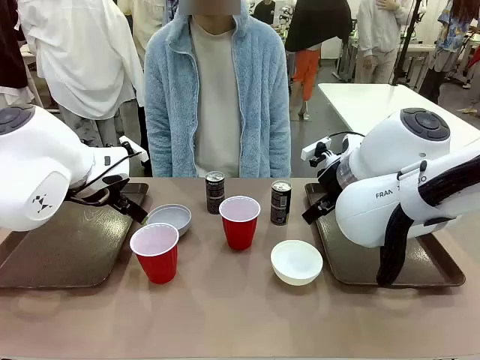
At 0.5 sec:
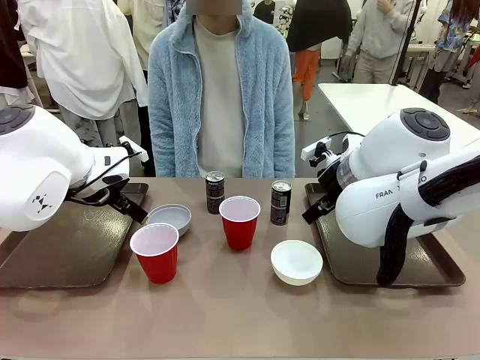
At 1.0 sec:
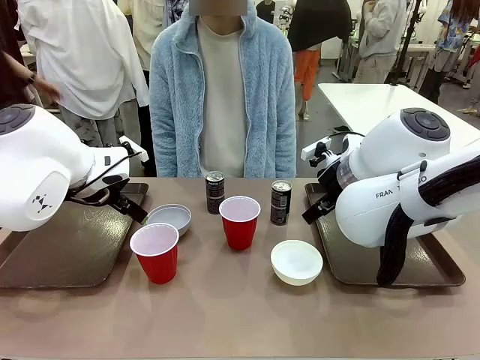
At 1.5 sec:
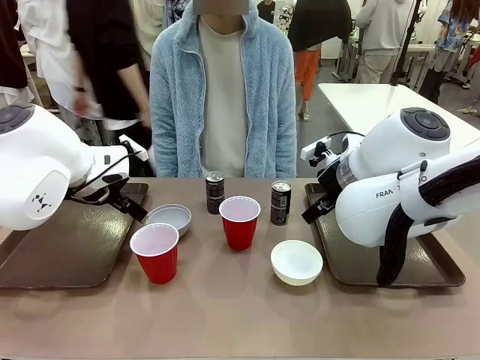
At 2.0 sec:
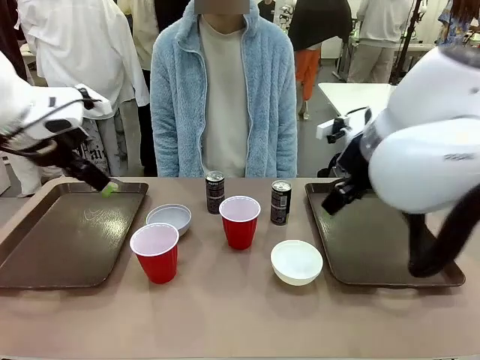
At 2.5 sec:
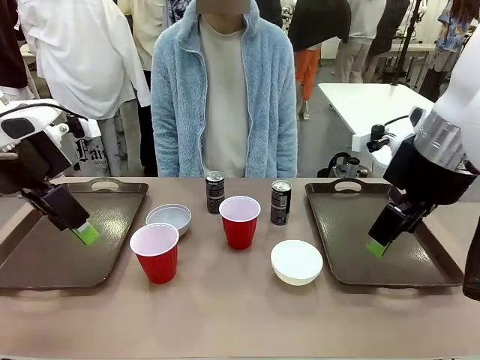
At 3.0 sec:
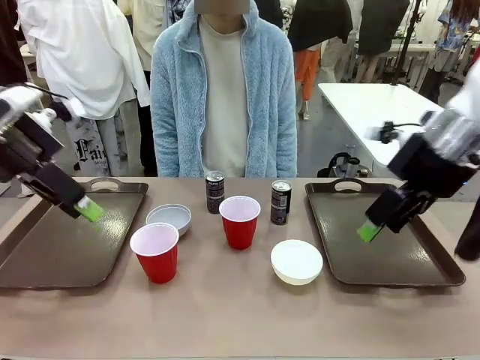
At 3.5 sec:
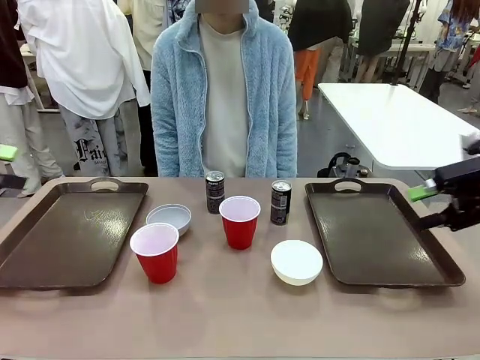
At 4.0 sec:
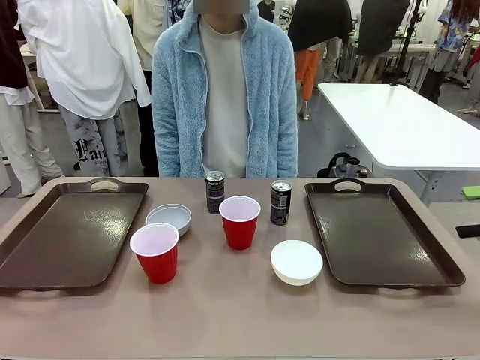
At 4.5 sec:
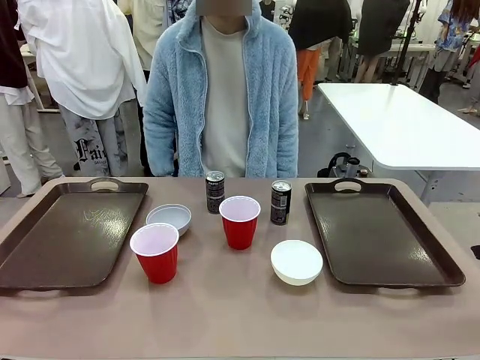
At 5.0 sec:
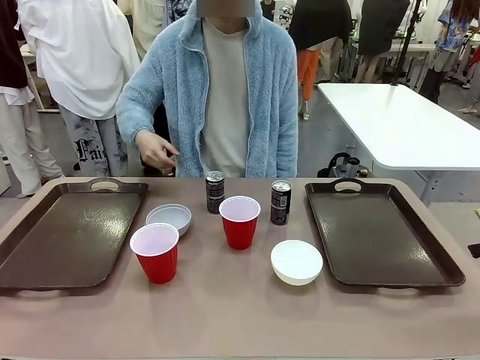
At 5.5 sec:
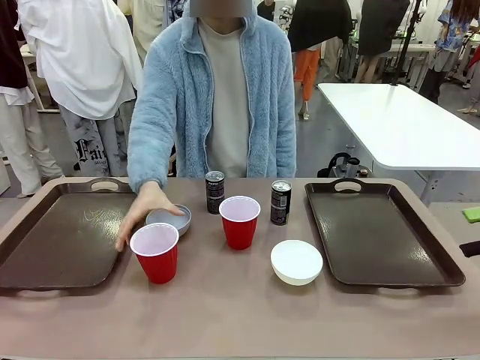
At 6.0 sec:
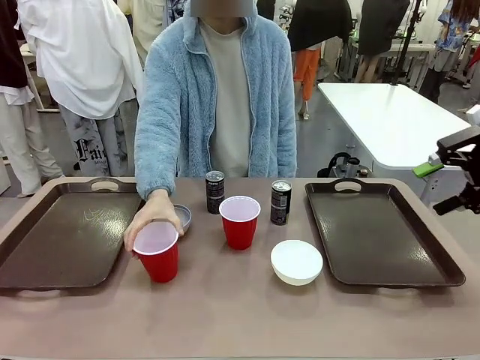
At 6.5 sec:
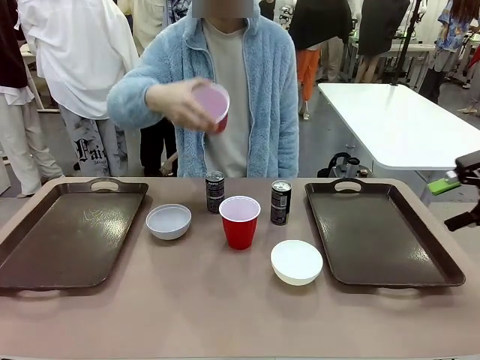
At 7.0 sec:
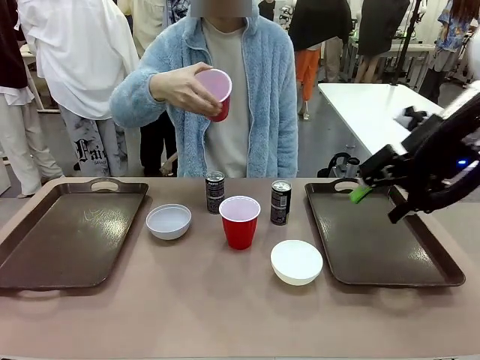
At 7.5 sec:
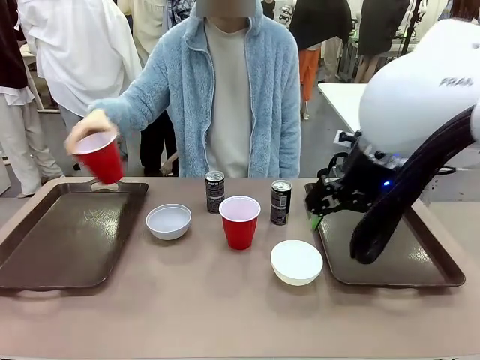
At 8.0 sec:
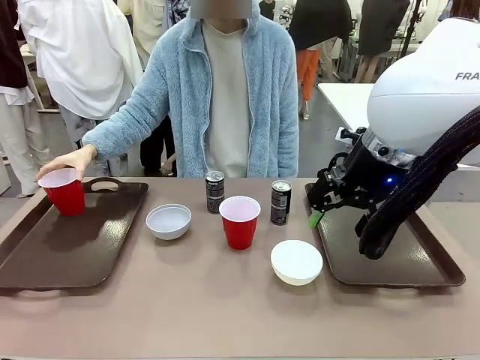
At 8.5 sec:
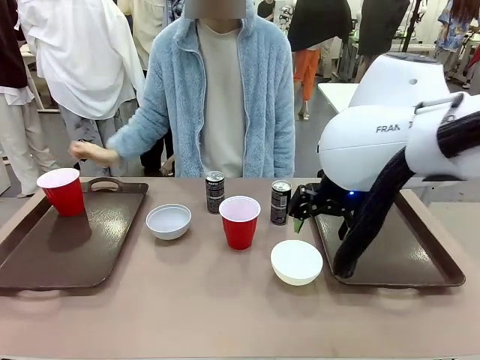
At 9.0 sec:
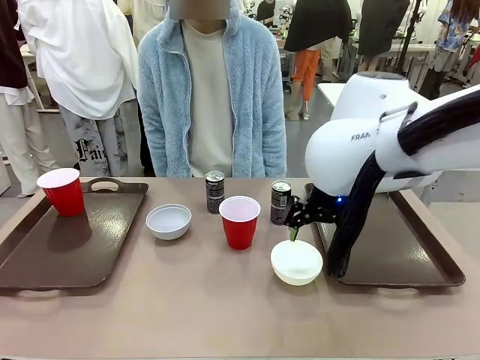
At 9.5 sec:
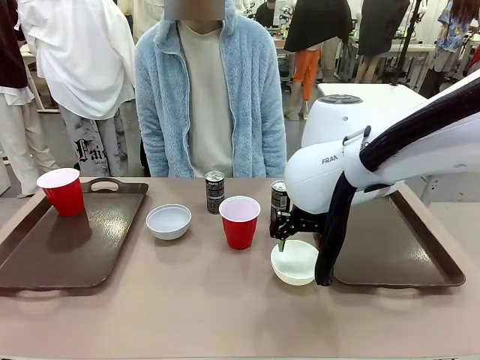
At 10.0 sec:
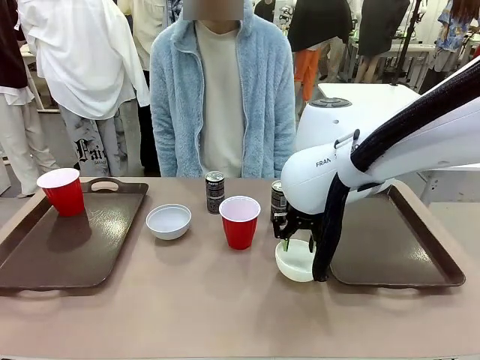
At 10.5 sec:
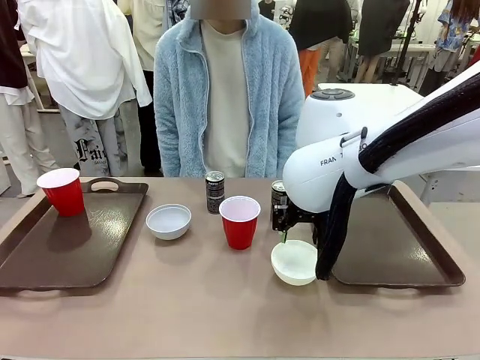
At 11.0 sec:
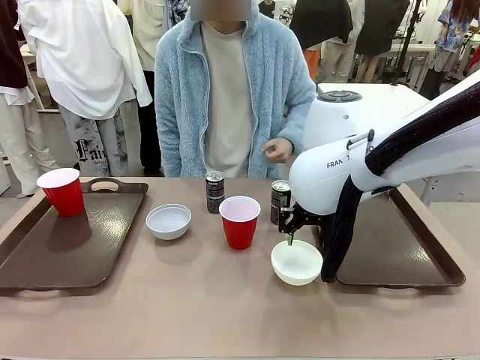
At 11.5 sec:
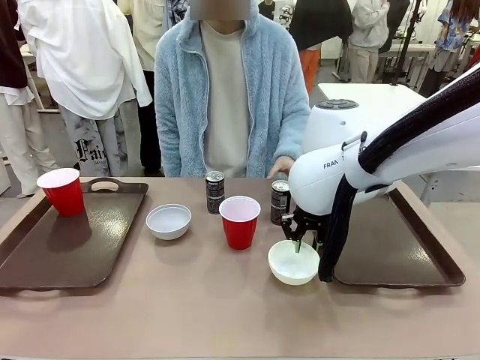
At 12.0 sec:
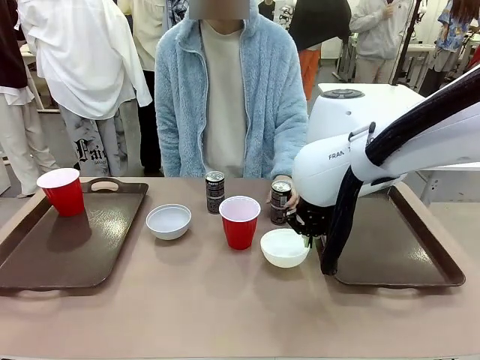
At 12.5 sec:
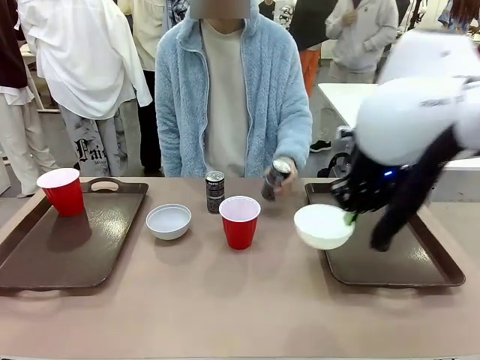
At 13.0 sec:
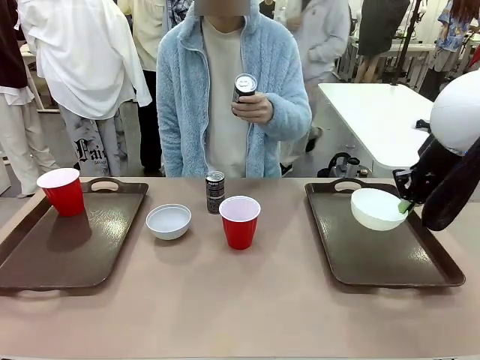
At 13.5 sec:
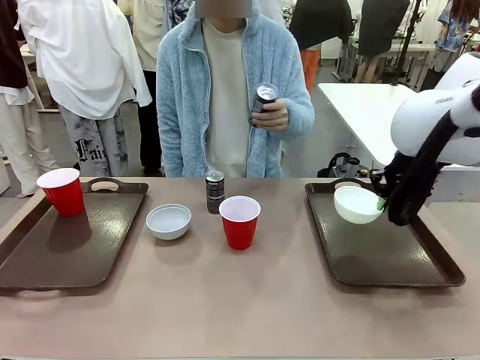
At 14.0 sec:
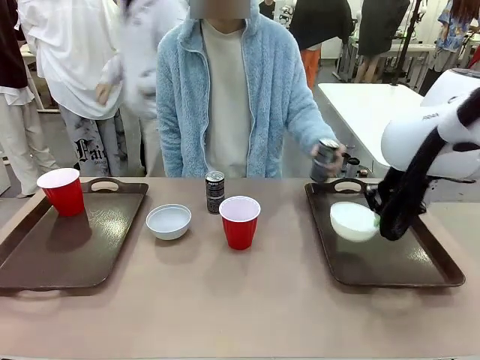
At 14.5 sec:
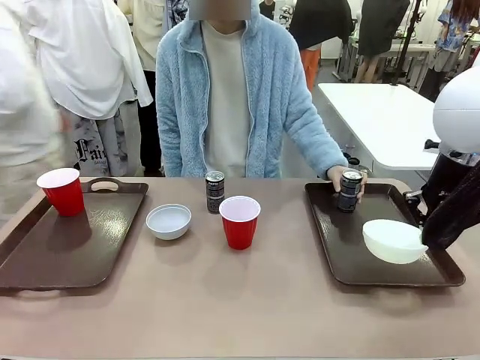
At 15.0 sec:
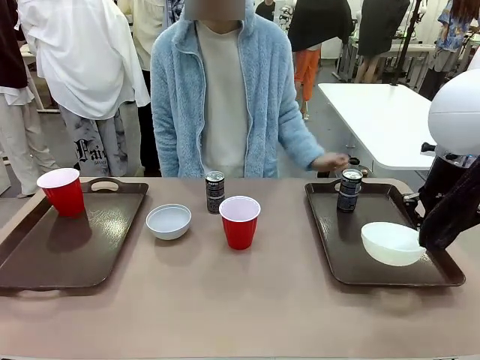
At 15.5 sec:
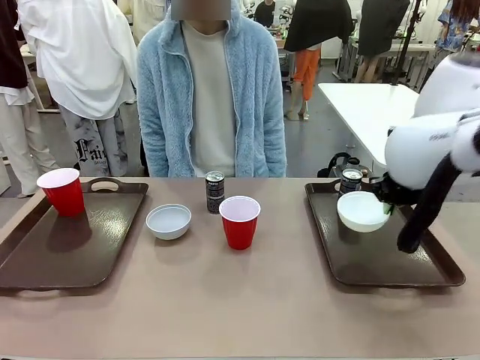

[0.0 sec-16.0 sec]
Task: Prepare tableware on both trays.
Robot: Pick up a Picnic Bowl from the table and place it on a Handle tray.
Person: Pick up a can or cup and place it on the tray.
